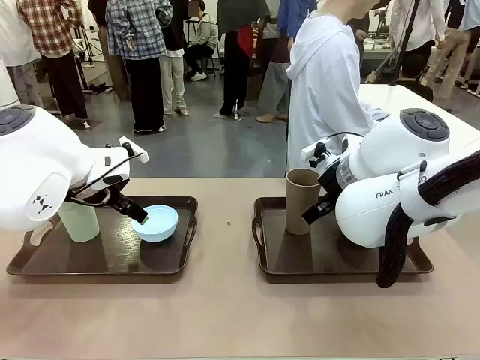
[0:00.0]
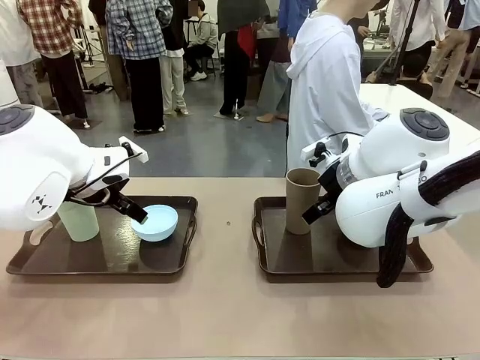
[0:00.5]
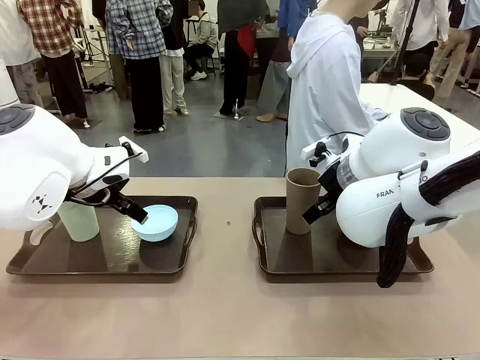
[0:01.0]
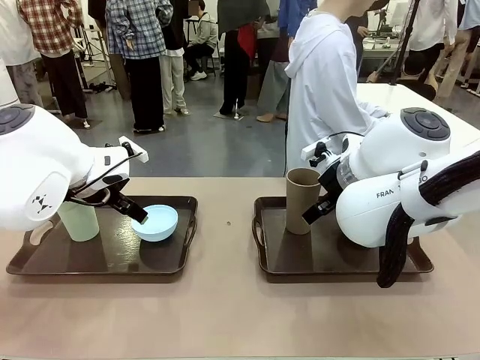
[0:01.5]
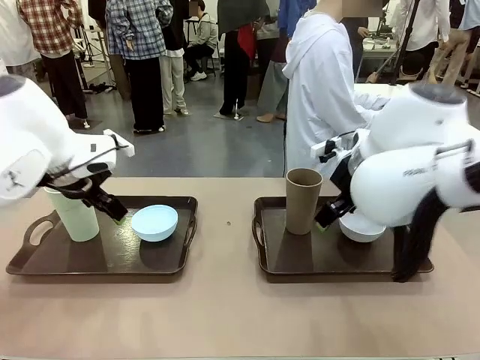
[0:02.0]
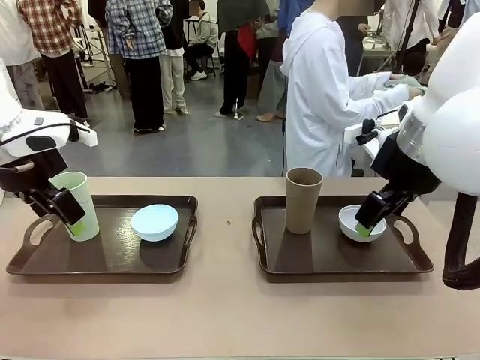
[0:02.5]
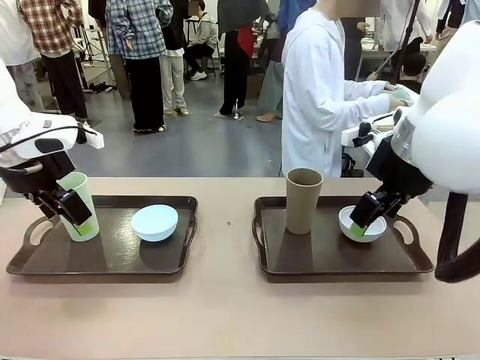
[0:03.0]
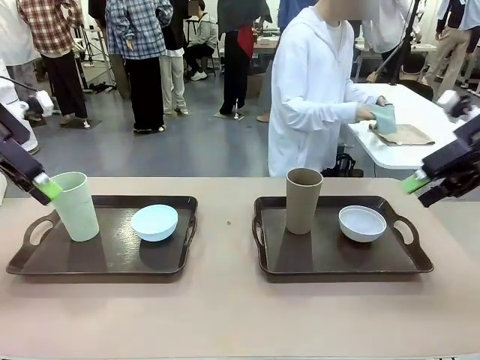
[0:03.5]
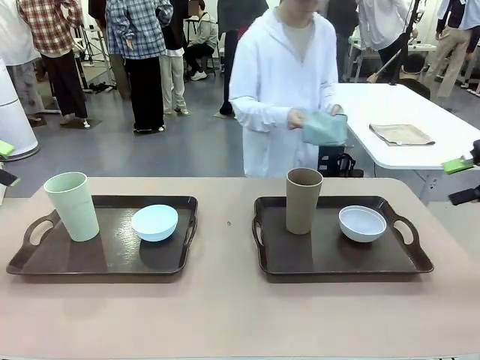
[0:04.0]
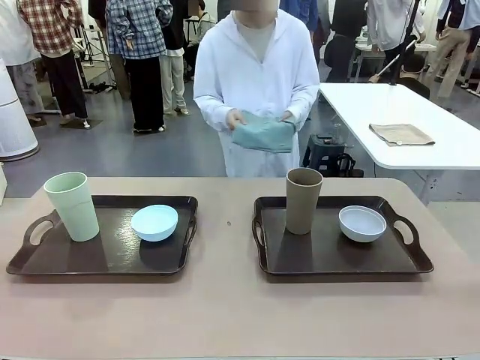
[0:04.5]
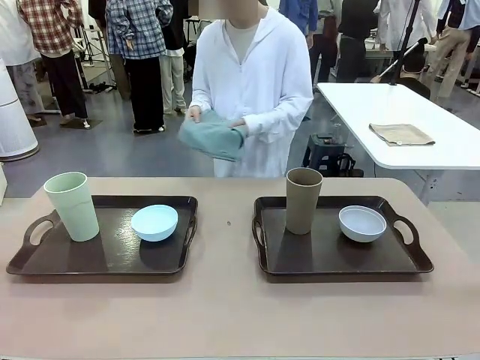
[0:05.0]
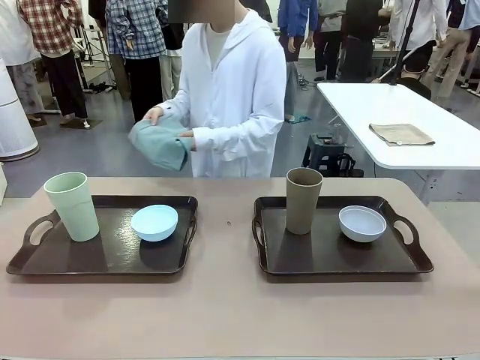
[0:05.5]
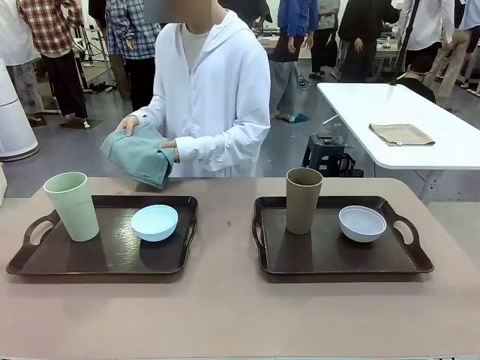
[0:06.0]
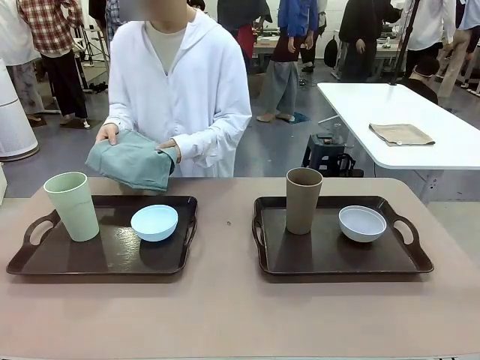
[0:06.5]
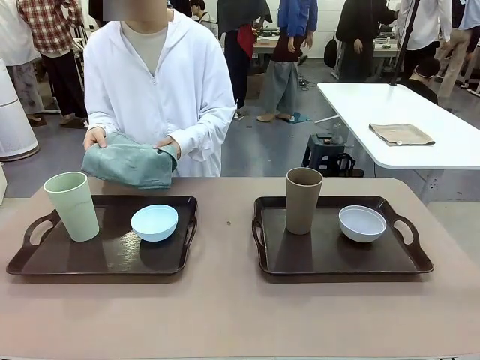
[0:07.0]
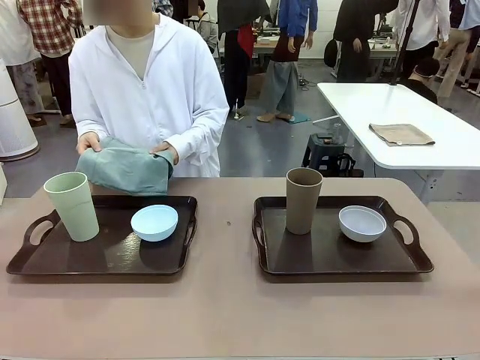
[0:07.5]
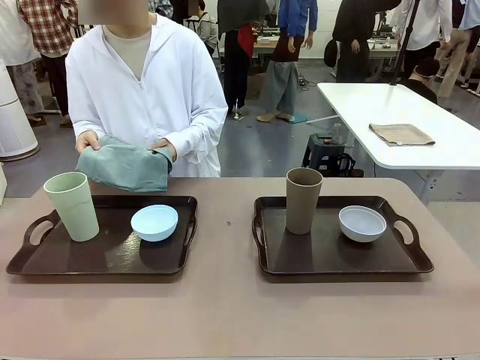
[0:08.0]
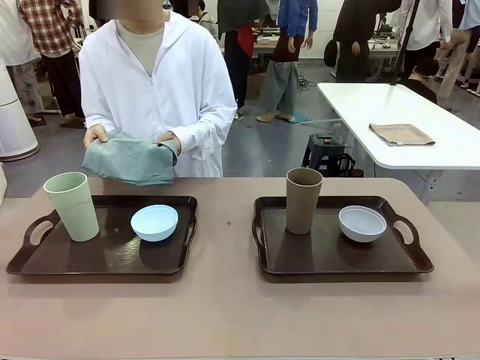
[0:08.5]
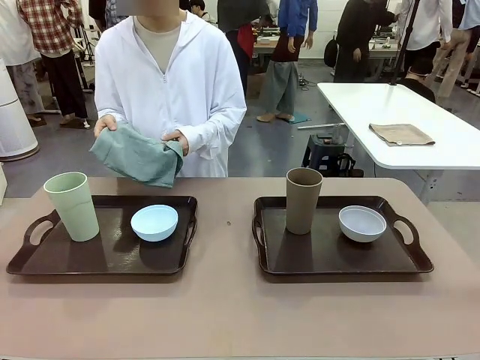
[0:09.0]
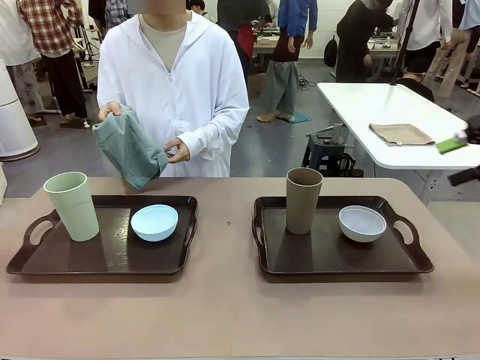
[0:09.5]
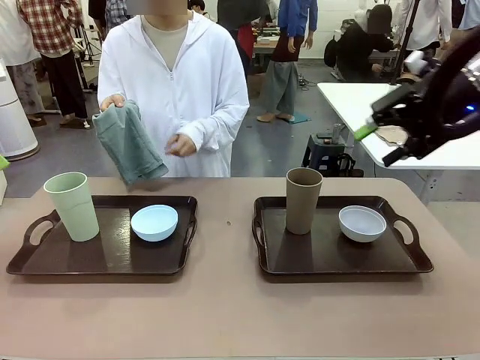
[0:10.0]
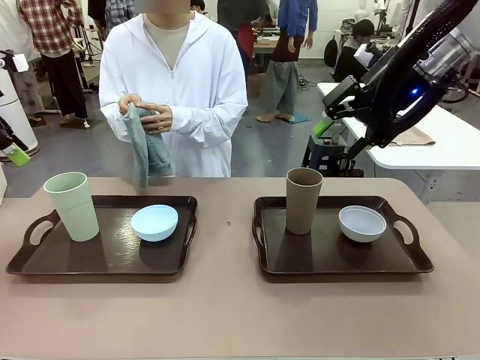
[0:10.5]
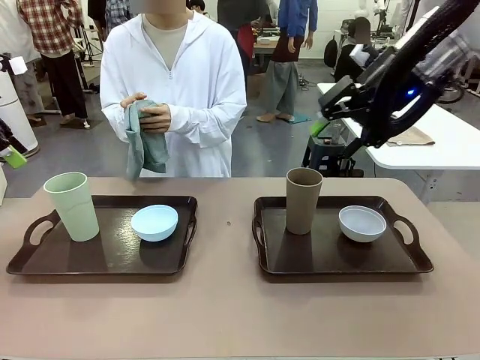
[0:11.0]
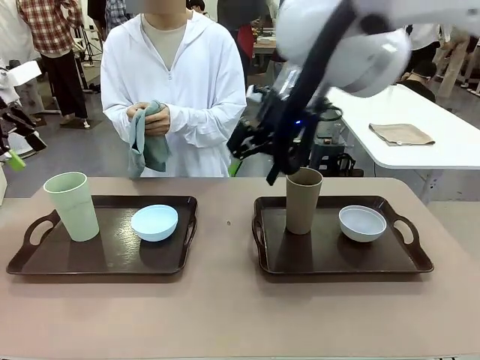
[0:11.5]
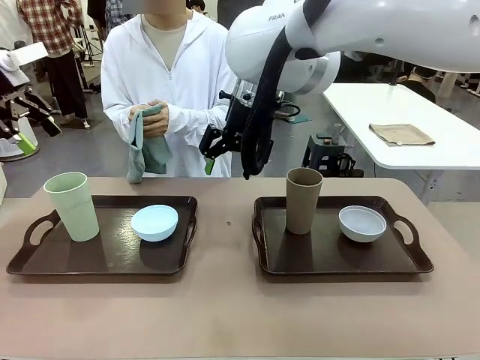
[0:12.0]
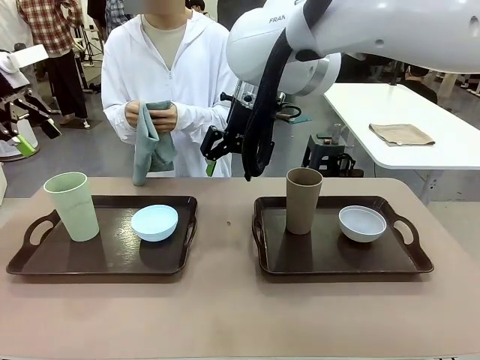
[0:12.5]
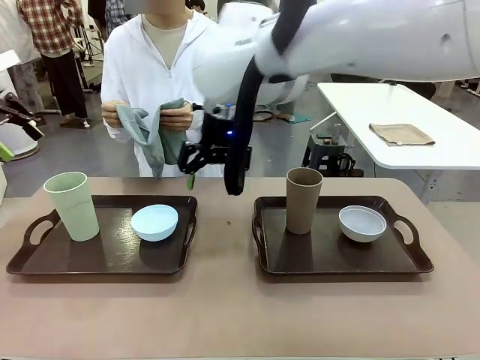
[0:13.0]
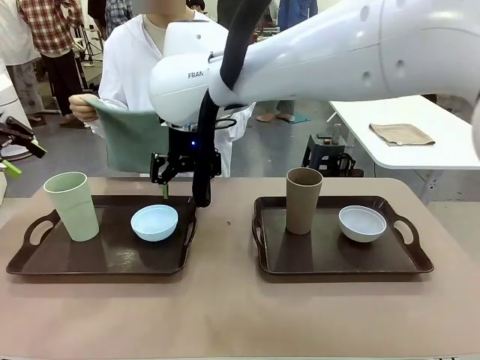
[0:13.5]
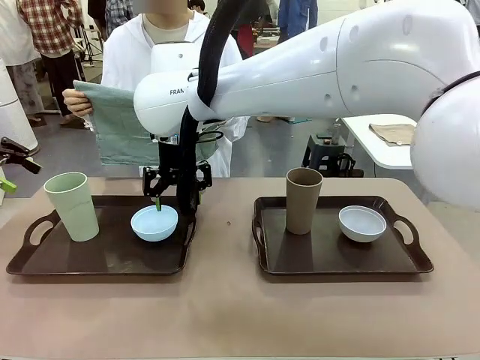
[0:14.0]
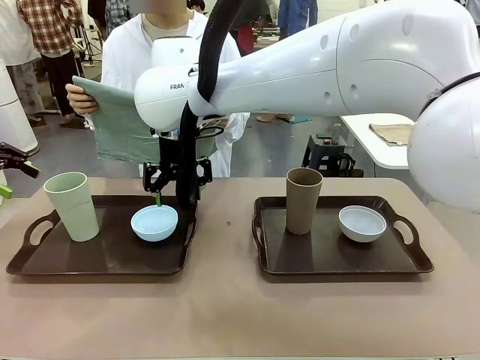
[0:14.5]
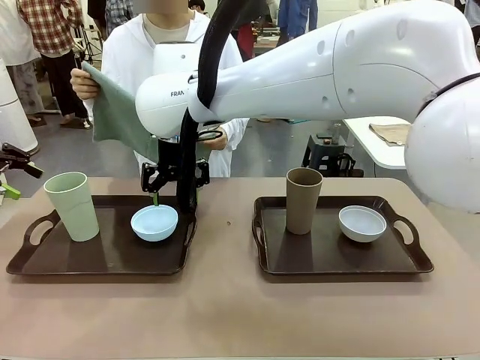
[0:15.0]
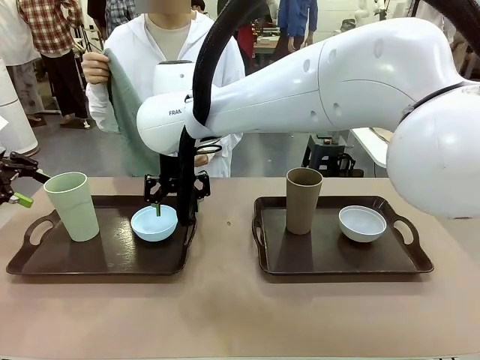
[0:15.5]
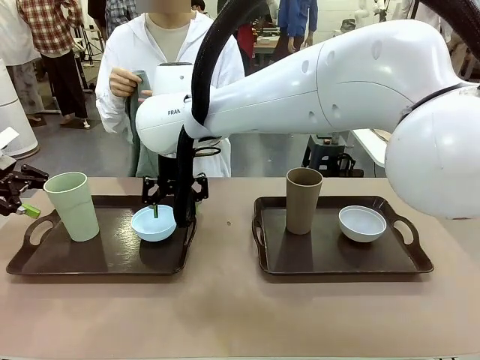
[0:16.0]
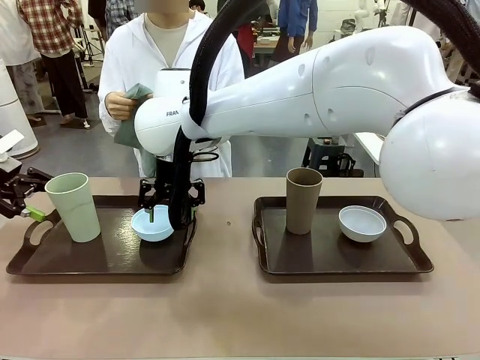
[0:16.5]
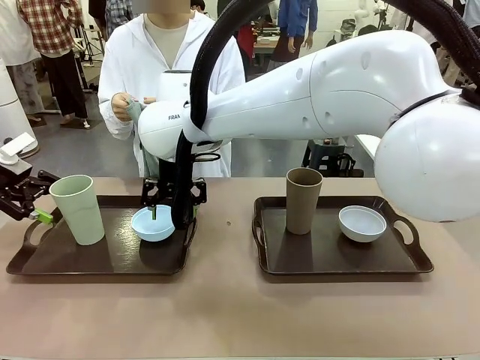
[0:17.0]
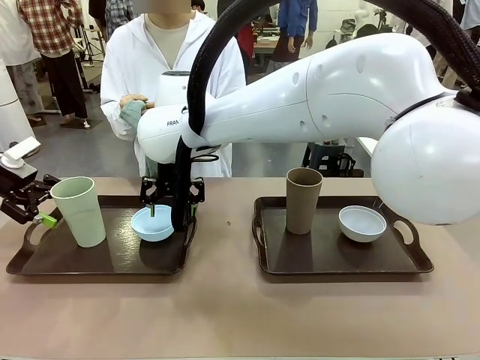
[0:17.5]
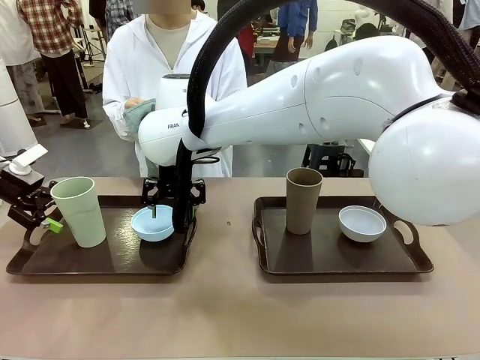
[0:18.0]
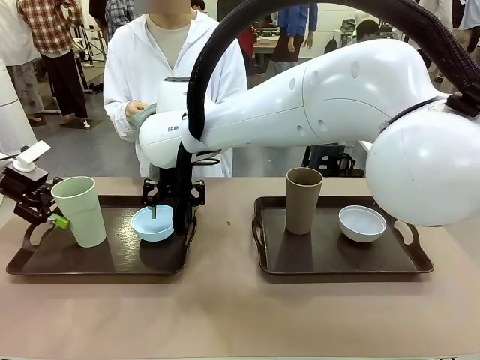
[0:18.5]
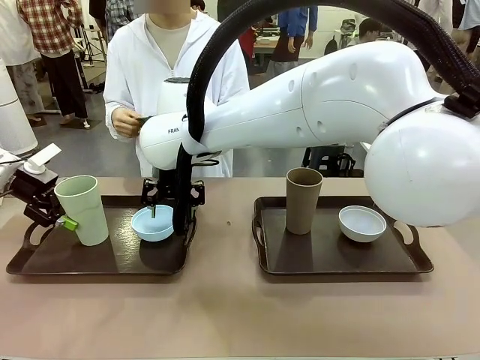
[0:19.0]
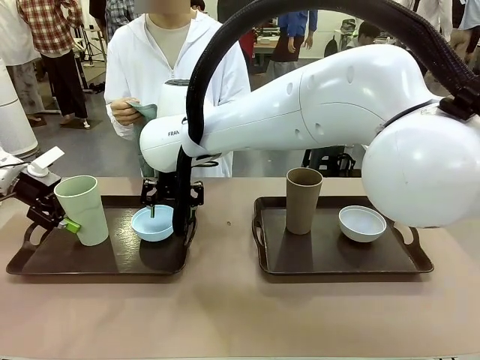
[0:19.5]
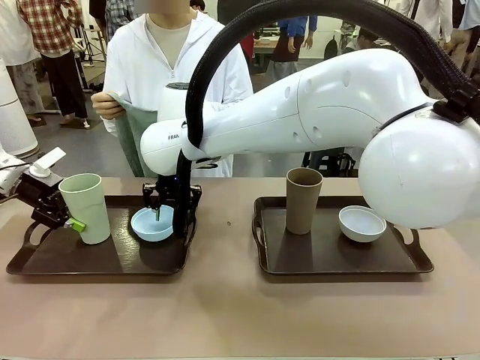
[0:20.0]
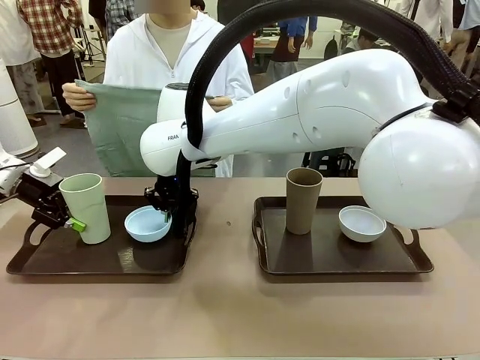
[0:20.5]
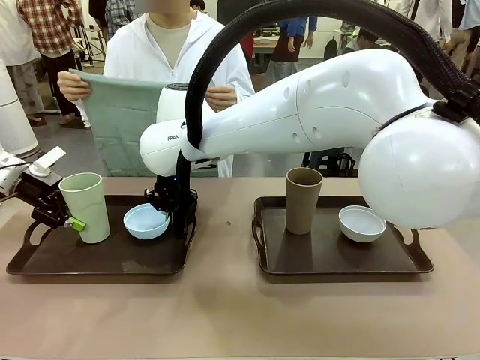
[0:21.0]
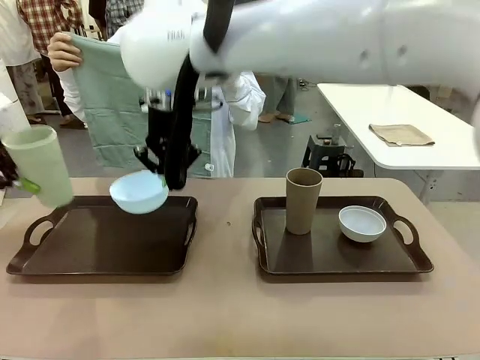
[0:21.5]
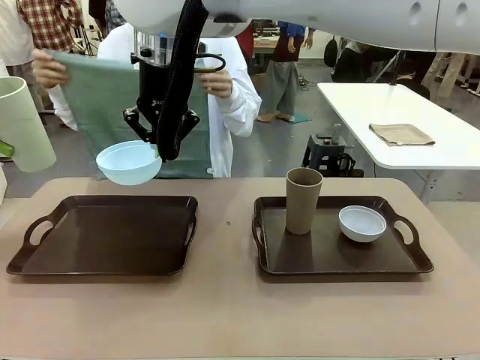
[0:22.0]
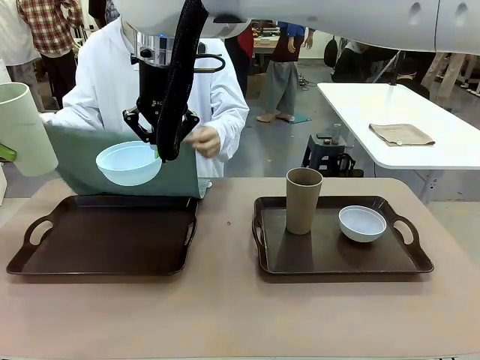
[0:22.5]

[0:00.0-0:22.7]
Robot: Pick up the Picnic Bowl and Reusable plastic cup from the Handle tray in front of the human's position and hold them in the air.
Person: The human picks up the top napkin from the stack on the human table and walks to the robot table to stand in front of one of the two trays. When the robot lifts the bowl and the cup, the human unfolds the napkin and lays the napkin flat on the tray.
